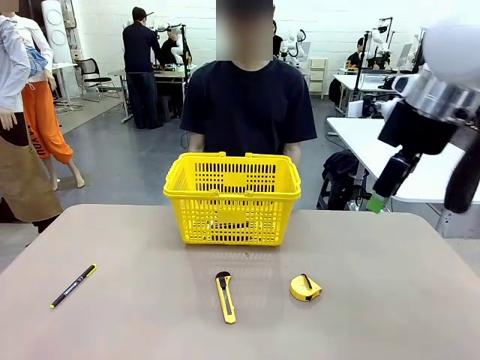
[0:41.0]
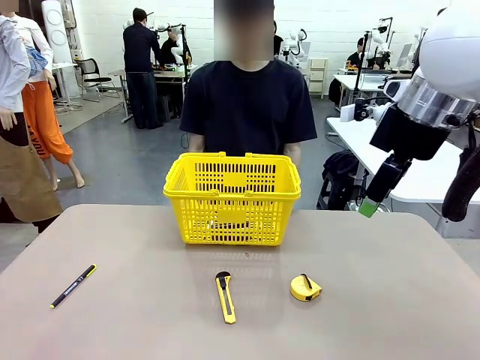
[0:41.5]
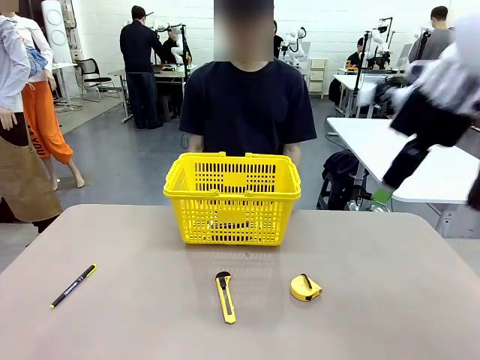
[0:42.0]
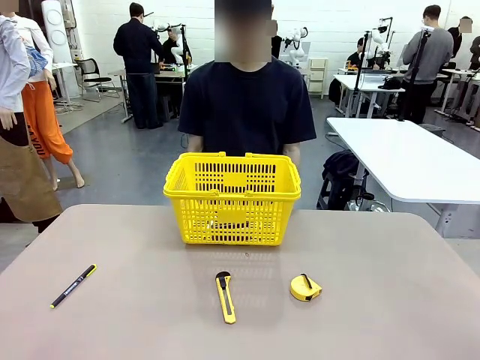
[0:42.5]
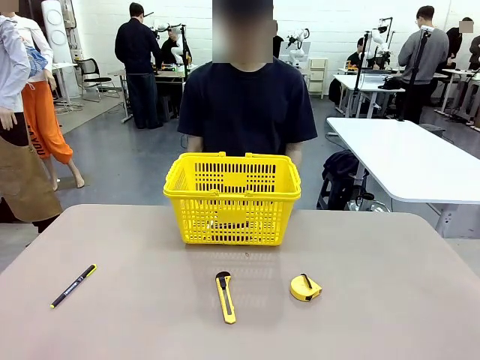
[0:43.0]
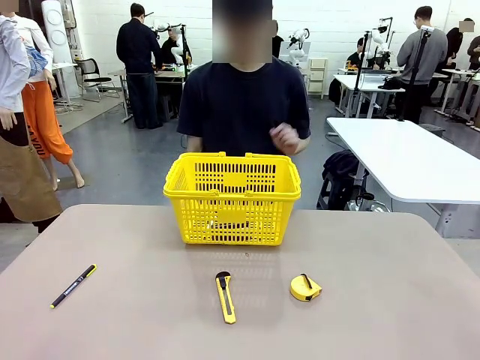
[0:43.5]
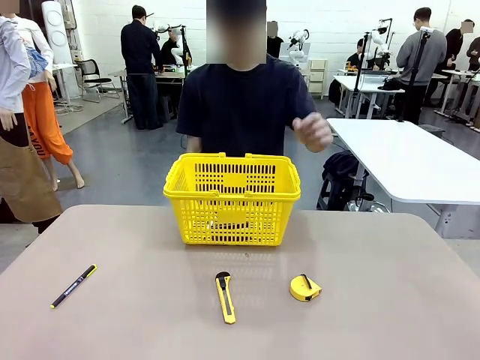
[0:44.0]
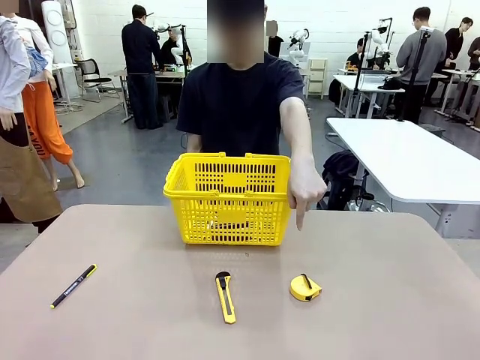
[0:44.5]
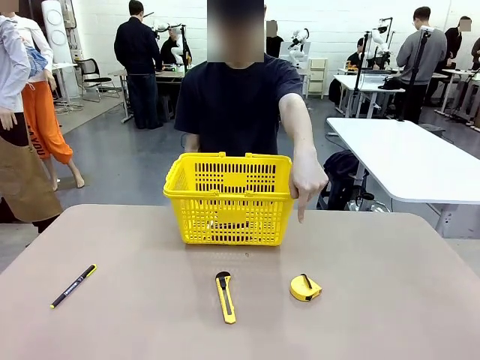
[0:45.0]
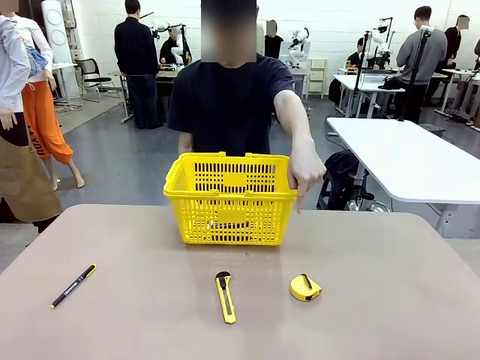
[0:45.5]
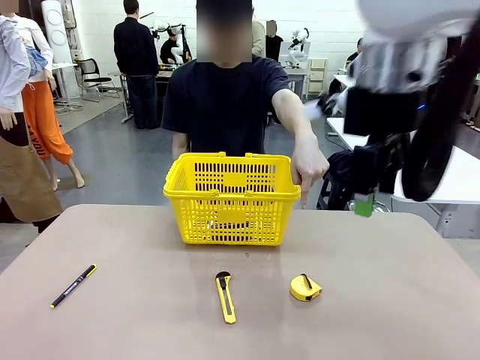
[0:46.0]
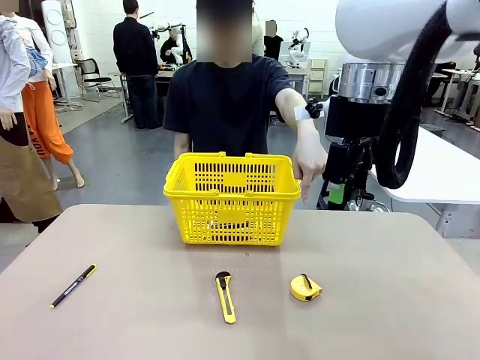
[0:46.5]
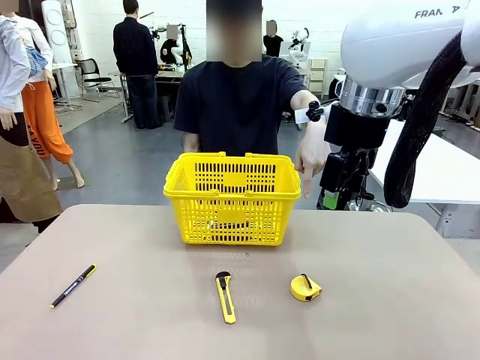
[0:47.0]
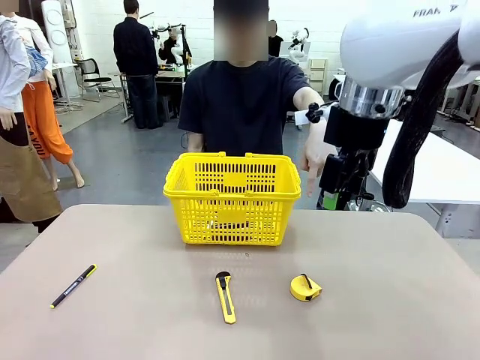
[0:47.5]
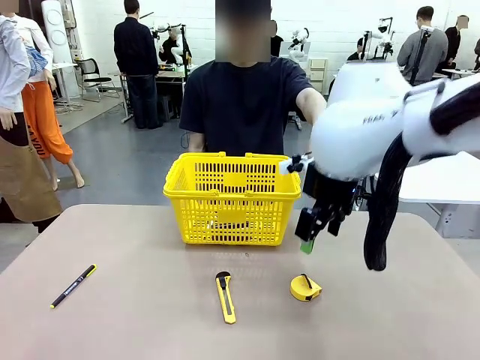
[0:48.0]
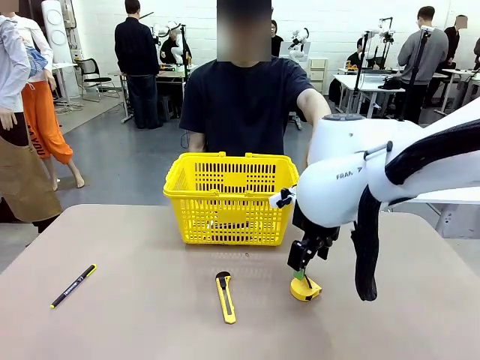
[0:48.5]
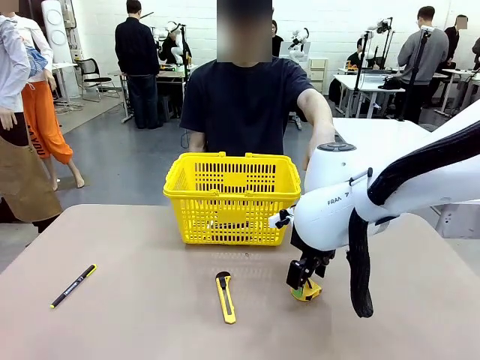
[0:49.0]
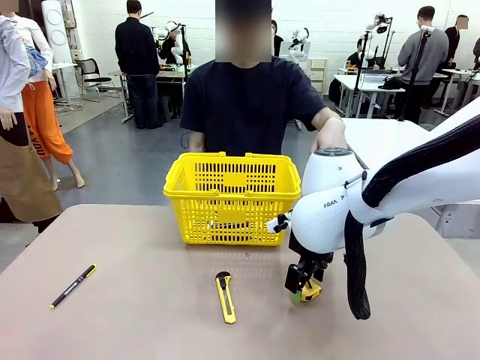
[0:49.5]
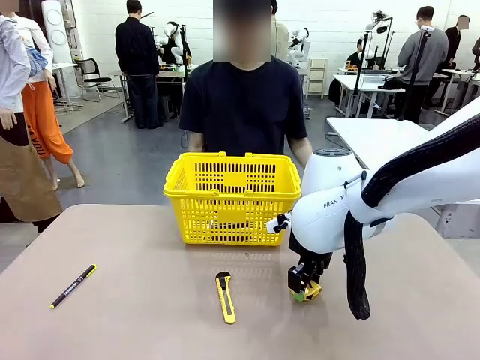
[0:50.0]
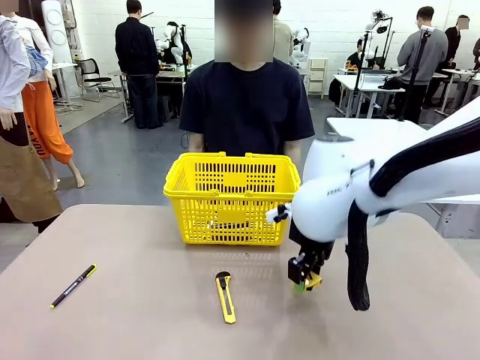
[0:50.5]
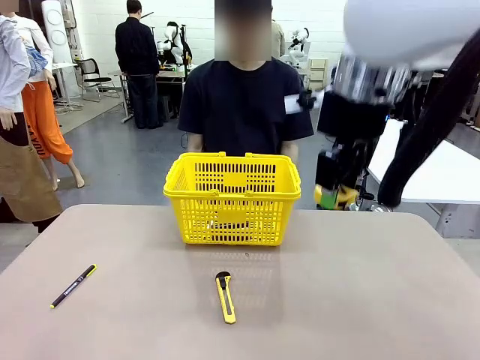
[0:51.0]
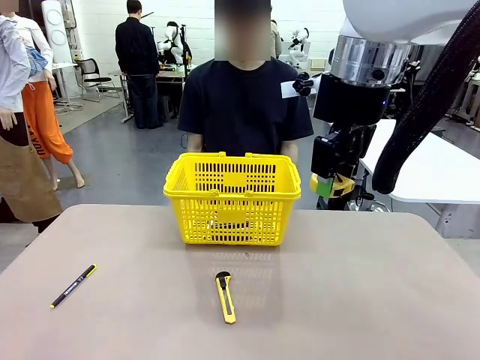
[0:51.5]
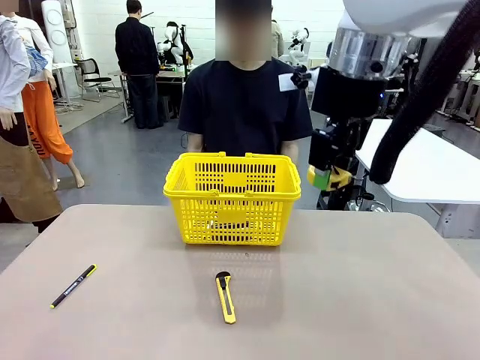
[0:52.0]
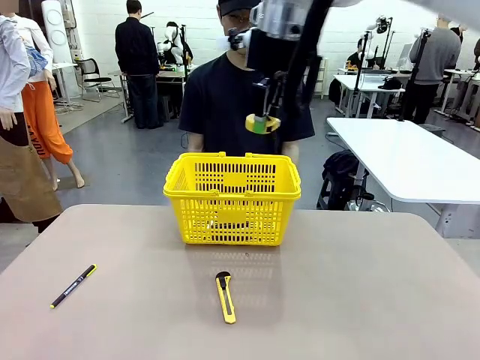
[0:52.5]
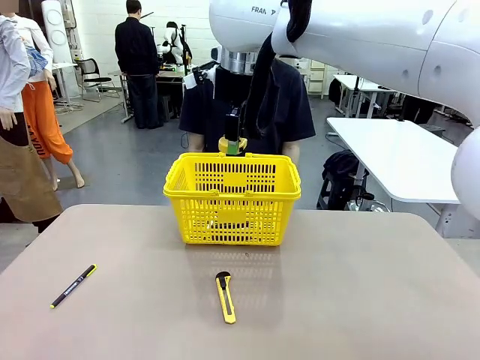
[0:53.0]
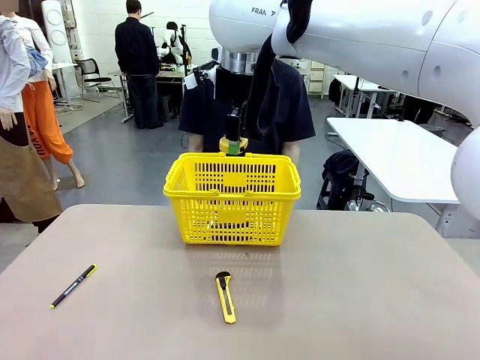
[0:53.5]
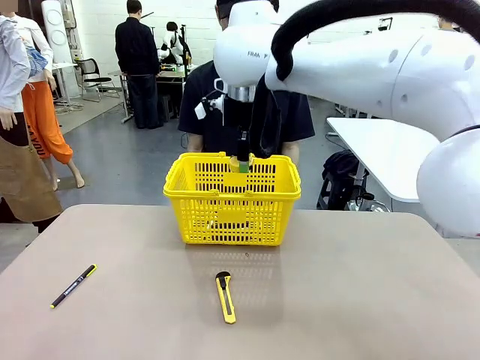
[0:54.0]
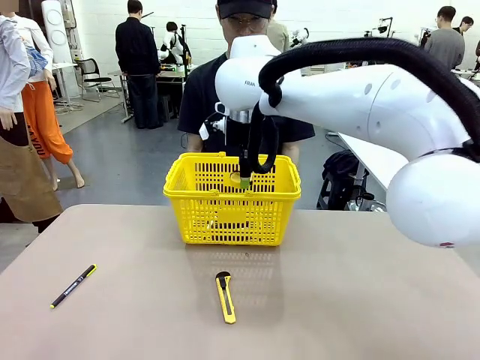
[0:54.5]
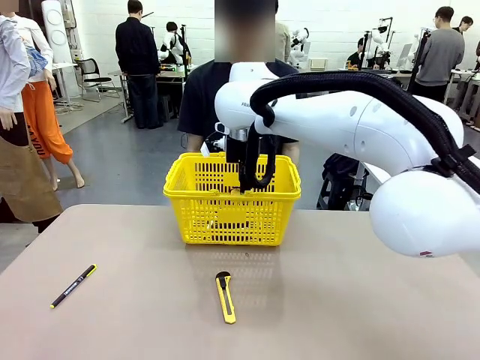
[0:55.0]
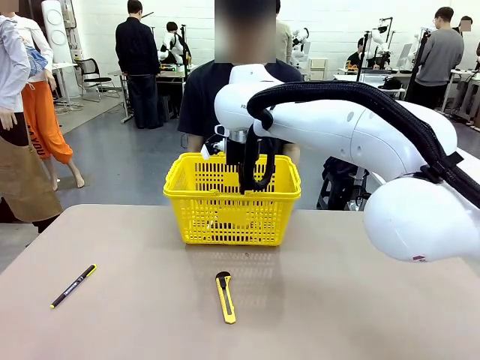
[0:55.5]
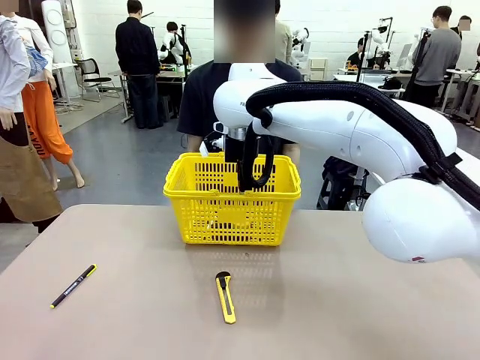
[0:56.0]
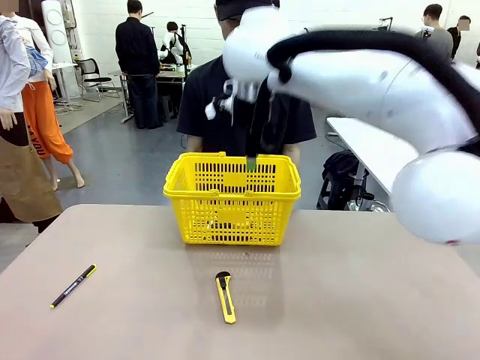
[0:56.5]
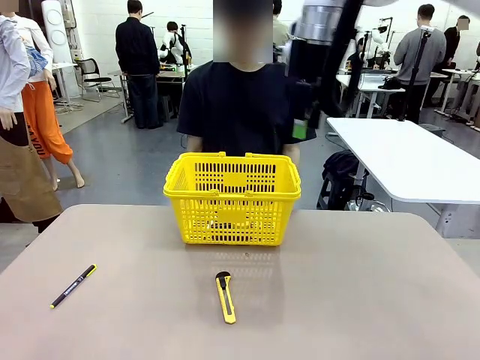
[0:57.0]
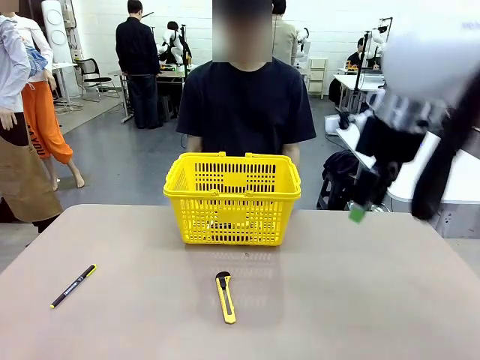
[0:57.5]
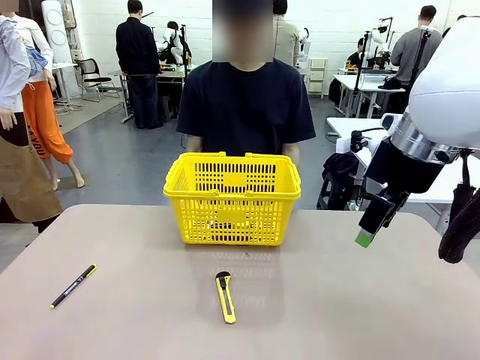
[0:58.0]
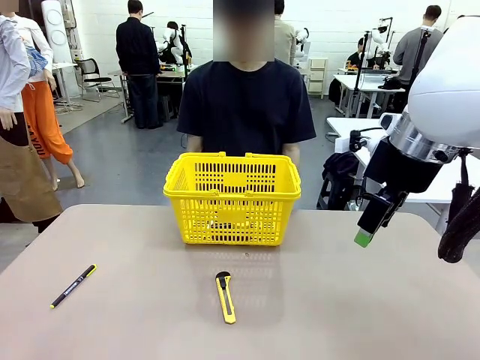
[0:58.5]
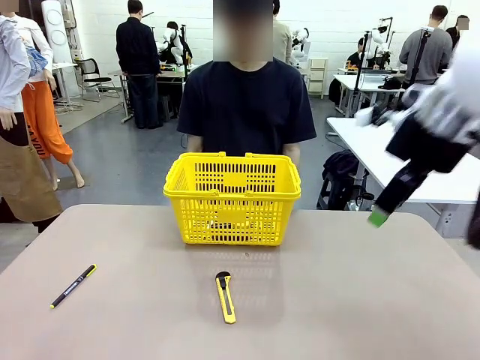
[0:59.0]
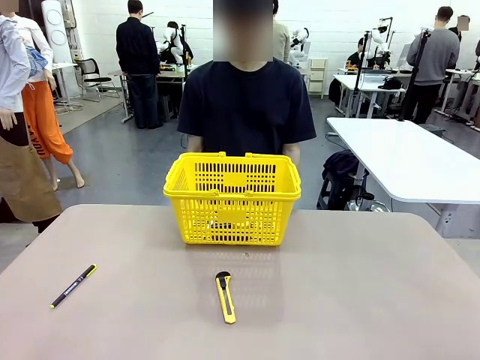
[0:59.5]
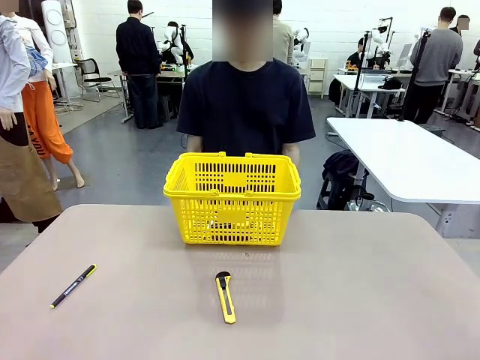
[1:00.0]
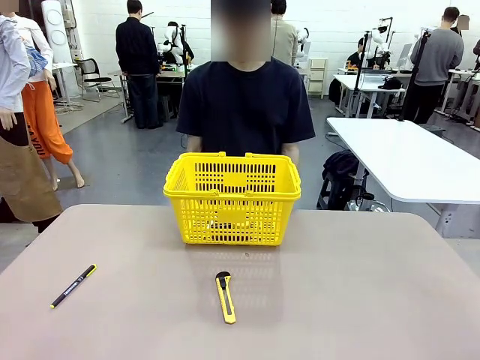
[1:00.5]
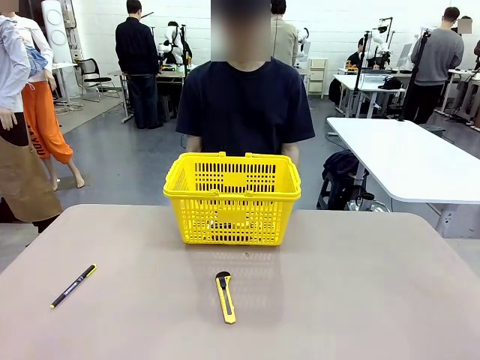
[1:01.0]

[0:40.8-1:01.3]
Task: Place the items the person wants into the basket.
Robot: Pick up the item the person points to and place it in the Market Basket.

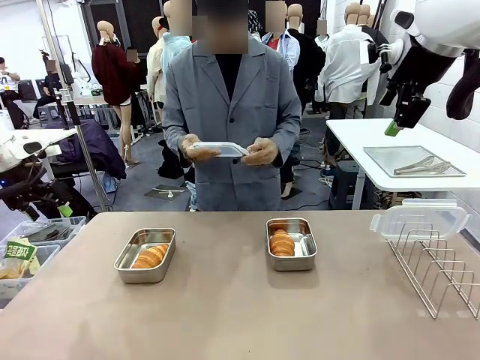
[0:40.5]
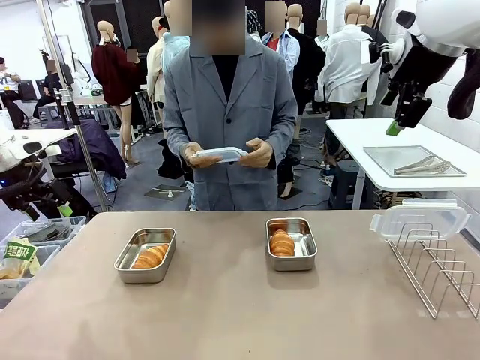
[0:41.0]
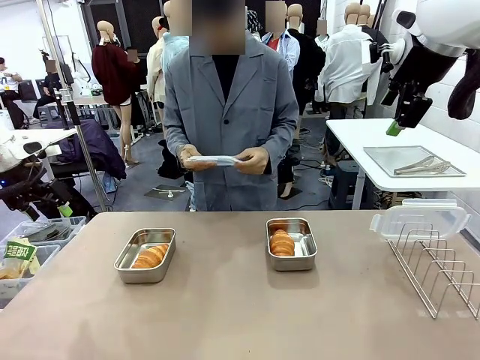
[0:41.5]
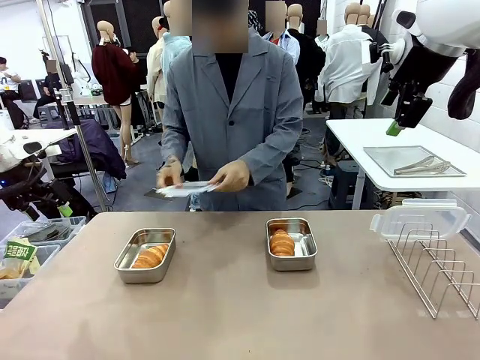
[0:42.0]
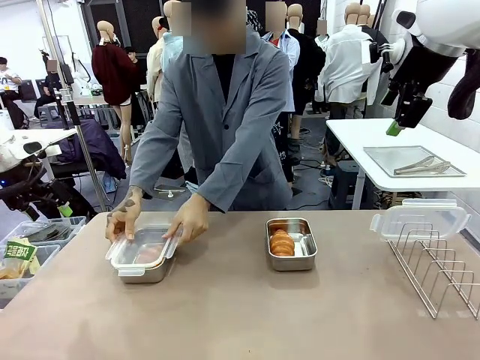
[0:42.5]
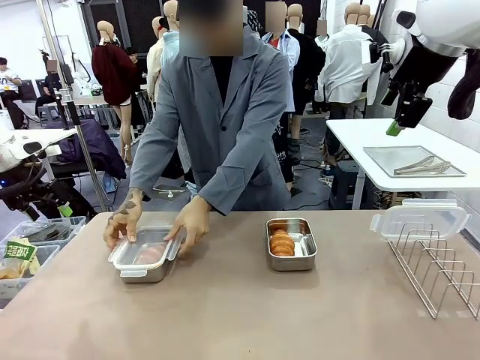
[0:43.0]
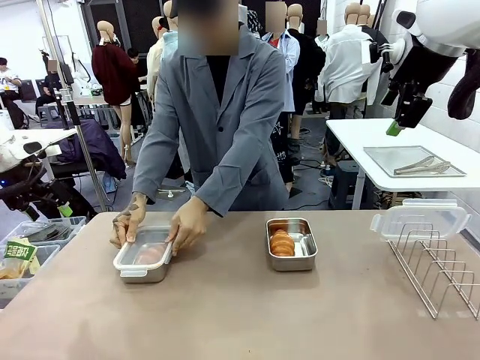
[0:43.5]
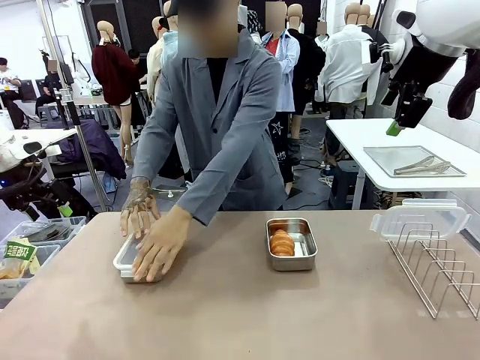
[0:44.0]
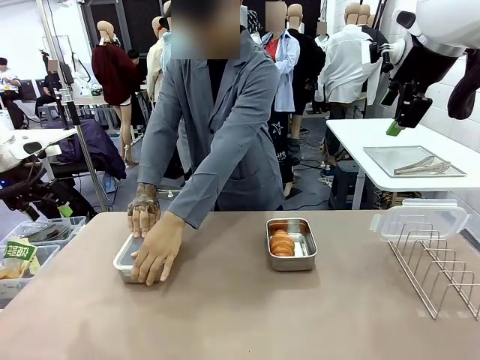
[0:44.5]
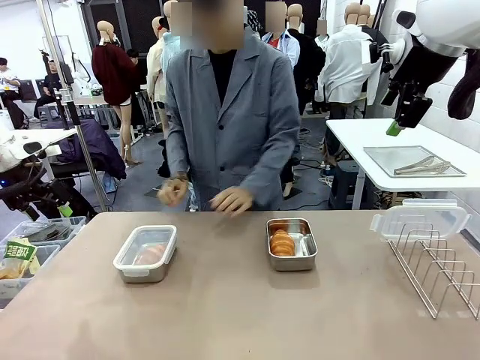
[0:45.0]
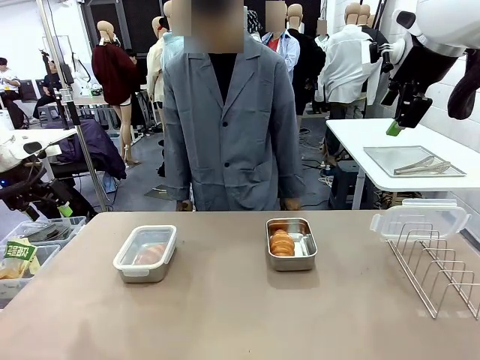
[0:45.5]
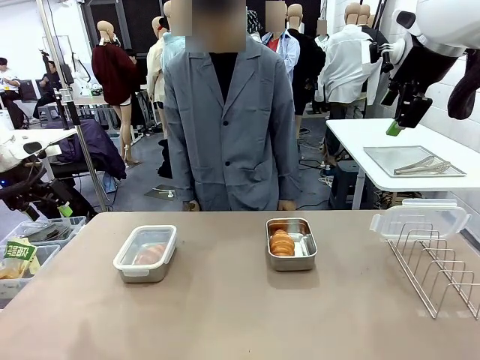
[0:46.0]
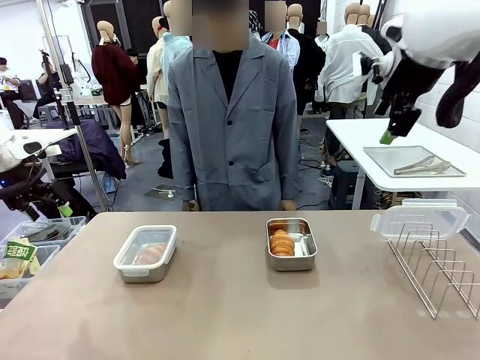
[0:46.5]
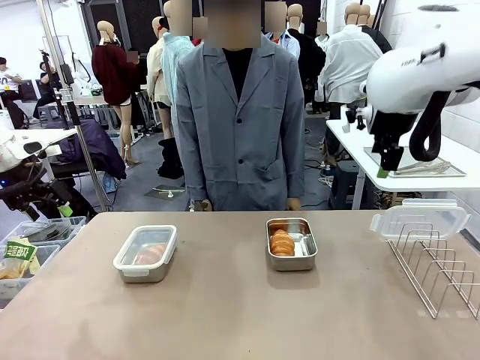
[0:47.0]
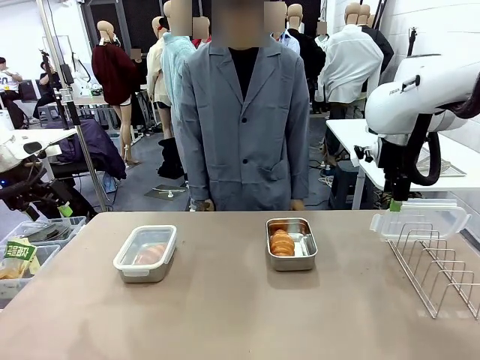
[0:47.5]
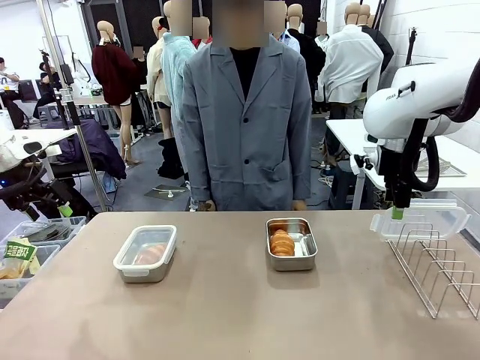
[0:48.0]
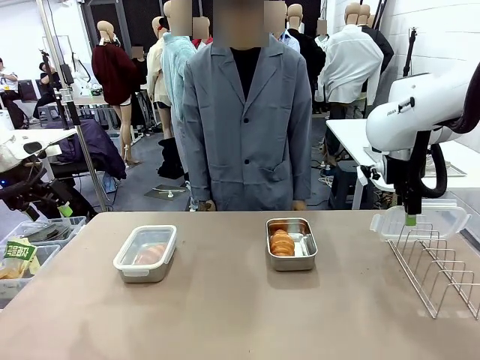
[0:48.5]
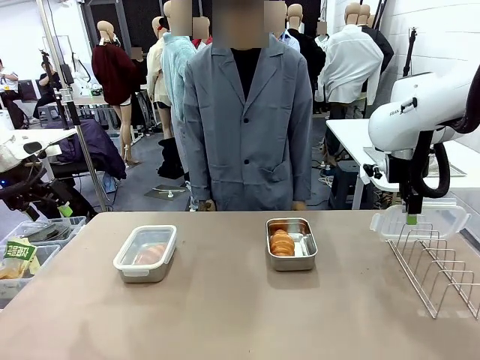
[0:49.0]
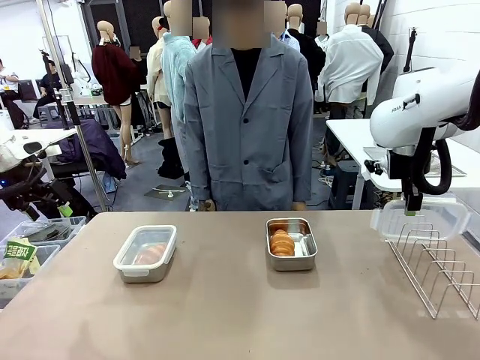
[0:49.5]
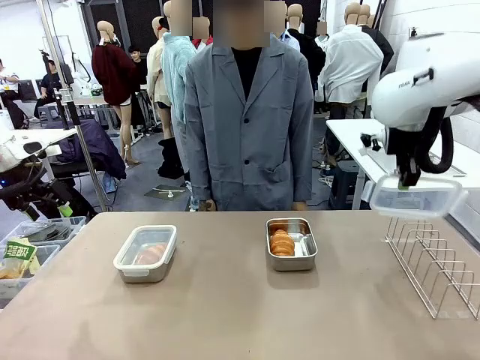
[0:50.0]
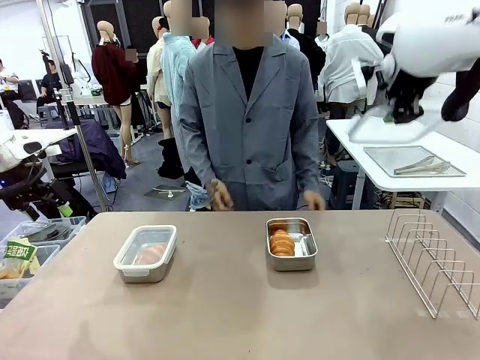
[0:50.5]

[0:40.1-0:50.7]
Task: Place the bread in airtight containers.
Robot: Pick up one Airtight Container lid and hand it to the human.
Person: Close Airtight Container with a handed Airtight Container lid. Grip Airtight Container lid that robot is handing.
